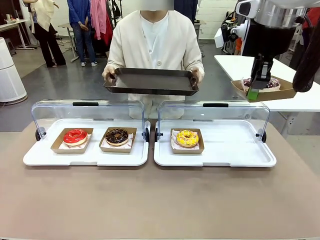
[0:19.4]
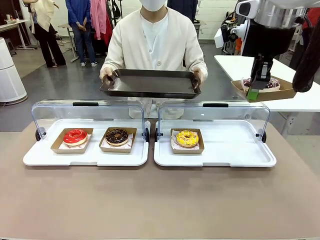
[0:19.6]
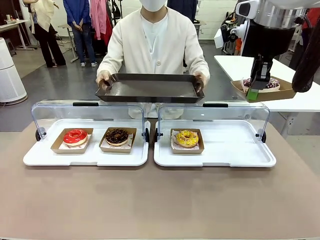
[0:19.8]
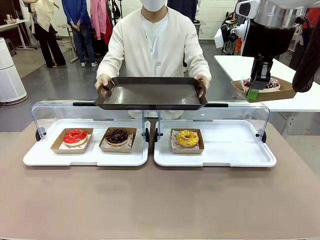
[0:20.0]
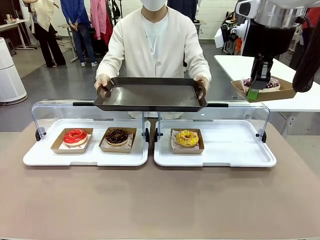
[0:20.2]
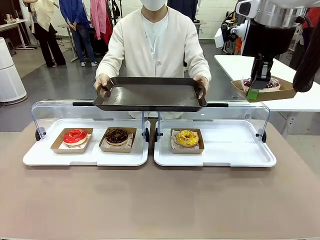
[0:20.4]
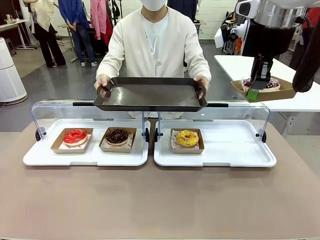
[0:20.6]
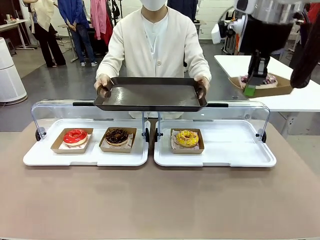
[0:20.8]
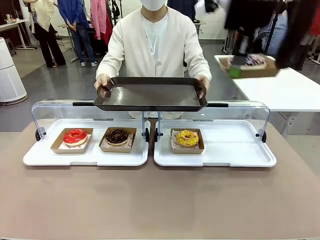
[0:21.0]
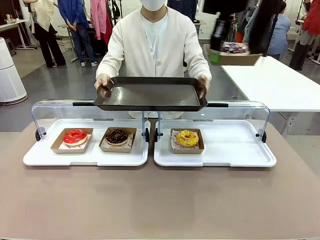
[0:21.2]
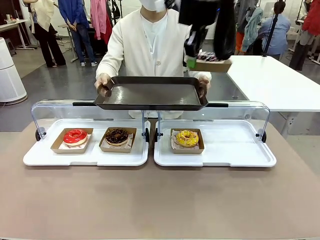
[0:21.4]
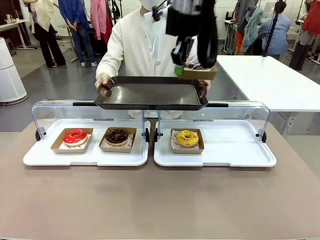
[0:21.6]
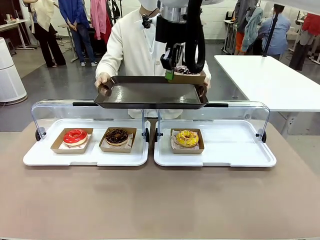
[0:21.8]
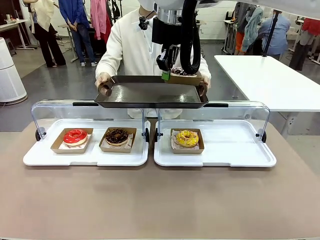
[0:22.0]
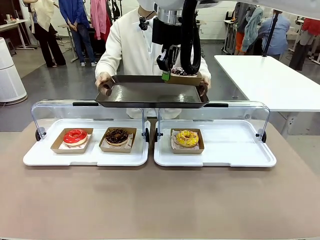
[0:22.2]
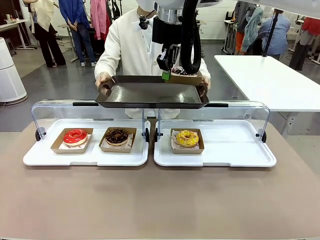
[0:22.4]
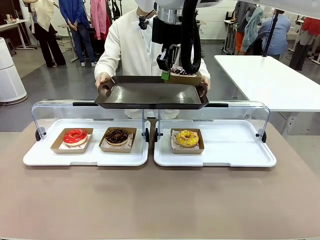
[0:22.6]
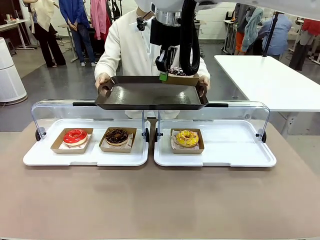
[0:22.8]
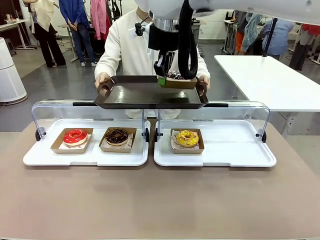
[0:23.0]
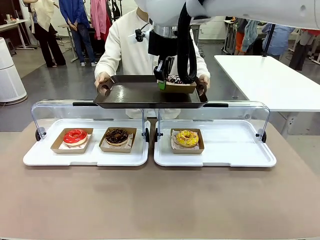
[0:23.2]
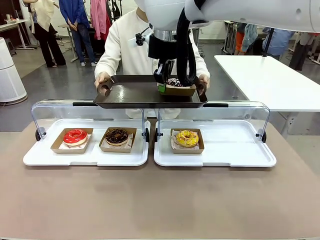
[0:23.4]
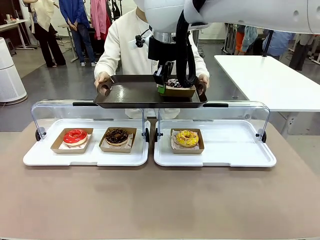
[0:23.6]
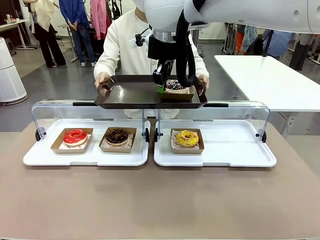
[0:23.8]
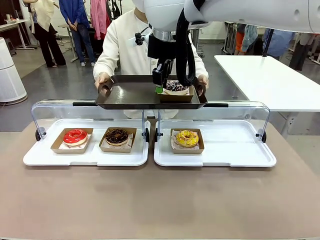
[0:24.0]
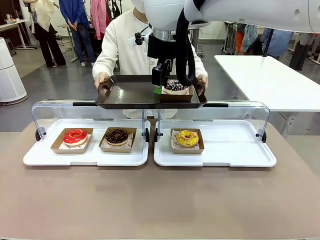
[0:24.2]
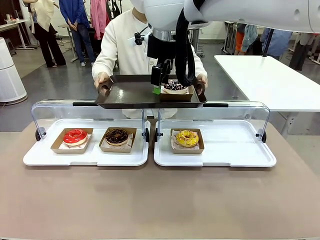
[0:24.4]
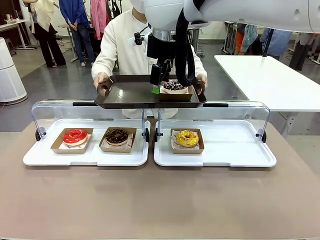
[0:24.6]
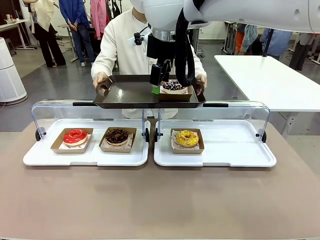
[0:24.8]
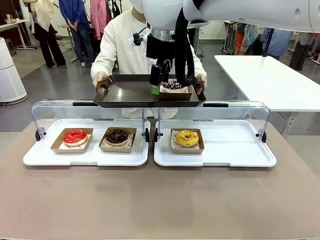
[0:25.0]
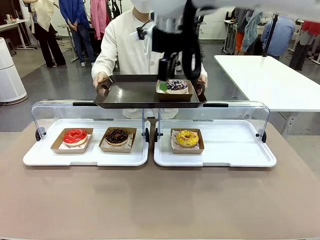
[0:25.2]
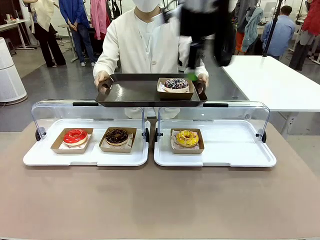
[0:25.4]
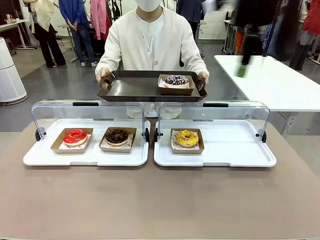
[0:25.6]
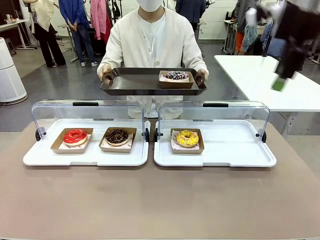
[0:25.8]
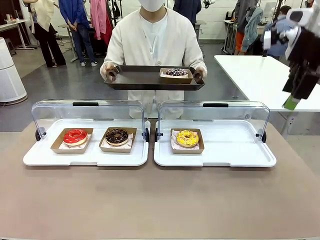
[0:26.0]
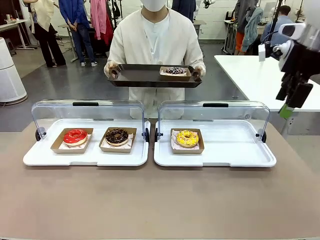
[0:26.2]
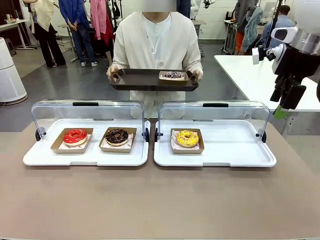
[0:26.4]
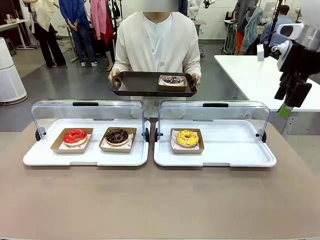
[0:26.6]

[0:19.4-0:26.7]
Task: Provide the desired donut to the person.
Robot: Place the picked Paper togo box onto the Handle tray extended by the person.

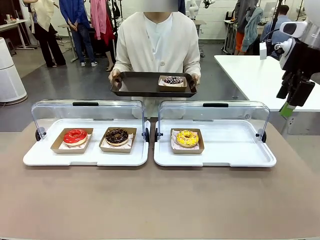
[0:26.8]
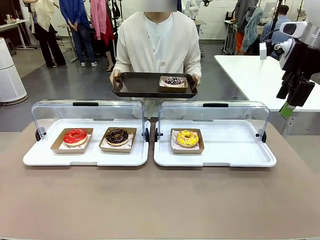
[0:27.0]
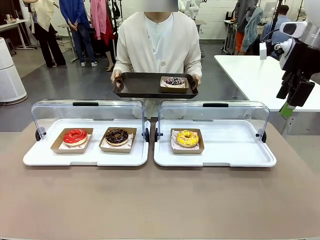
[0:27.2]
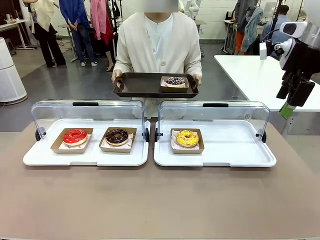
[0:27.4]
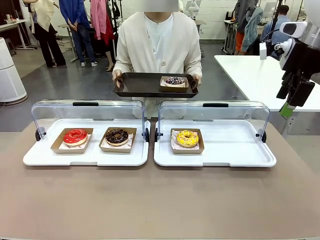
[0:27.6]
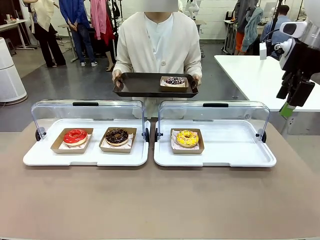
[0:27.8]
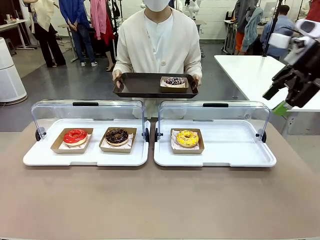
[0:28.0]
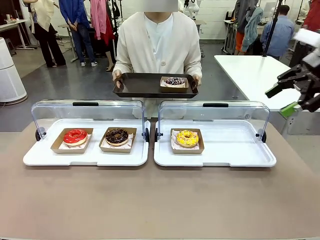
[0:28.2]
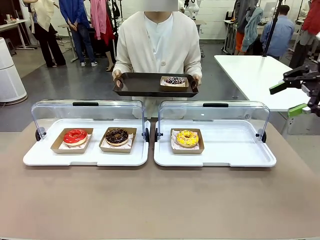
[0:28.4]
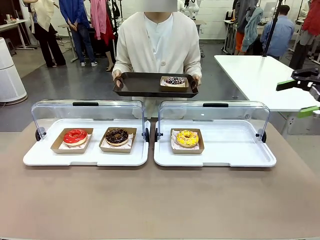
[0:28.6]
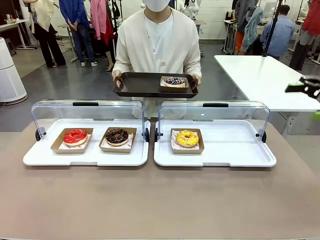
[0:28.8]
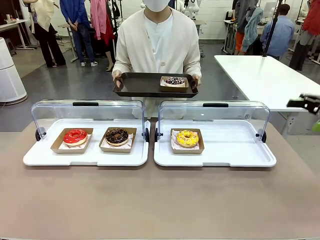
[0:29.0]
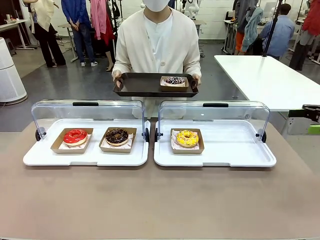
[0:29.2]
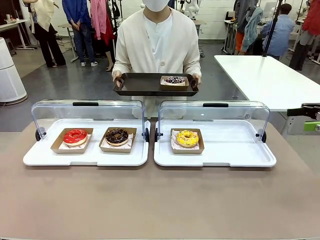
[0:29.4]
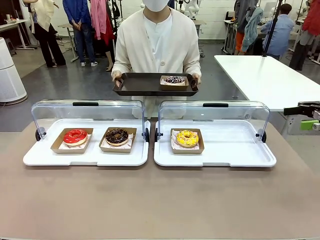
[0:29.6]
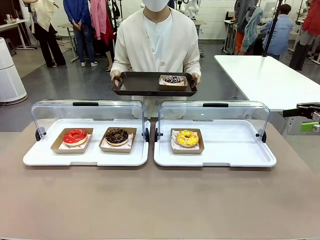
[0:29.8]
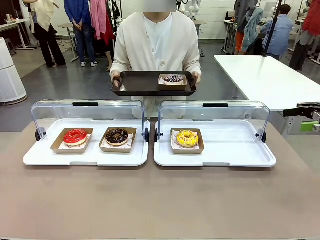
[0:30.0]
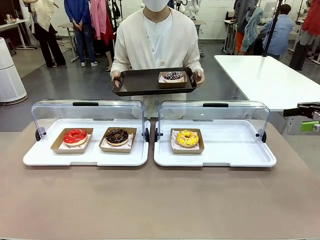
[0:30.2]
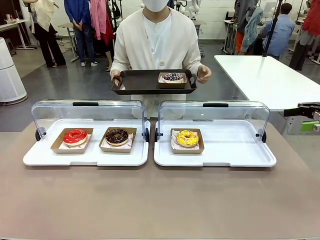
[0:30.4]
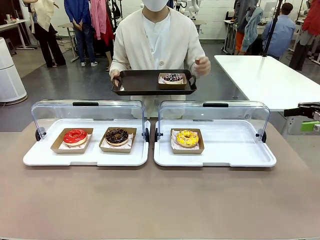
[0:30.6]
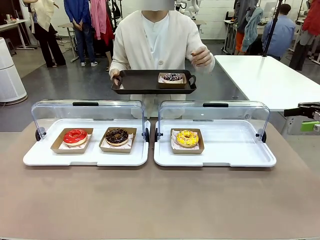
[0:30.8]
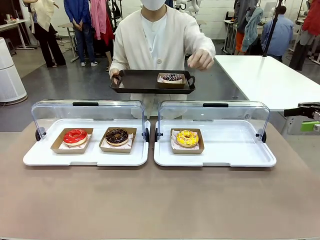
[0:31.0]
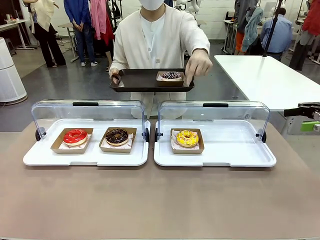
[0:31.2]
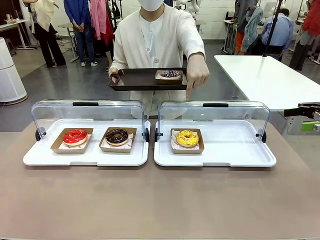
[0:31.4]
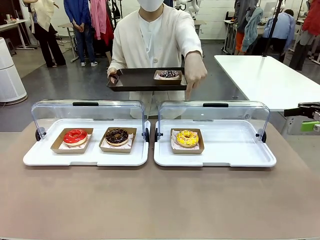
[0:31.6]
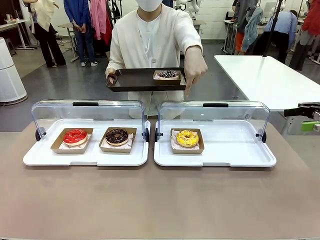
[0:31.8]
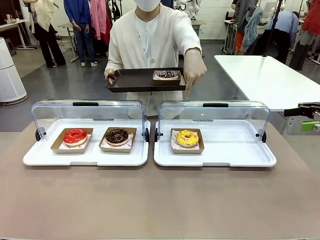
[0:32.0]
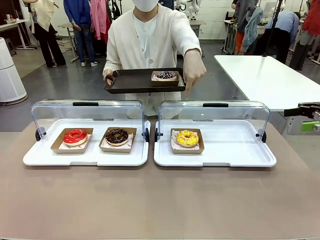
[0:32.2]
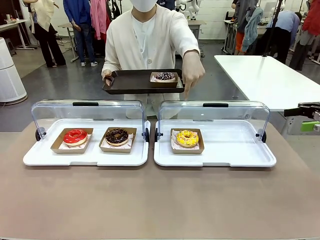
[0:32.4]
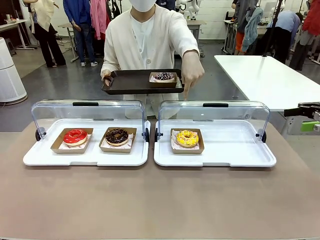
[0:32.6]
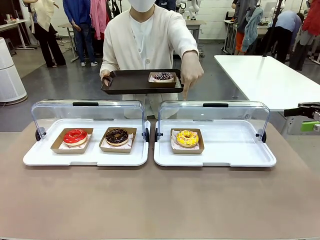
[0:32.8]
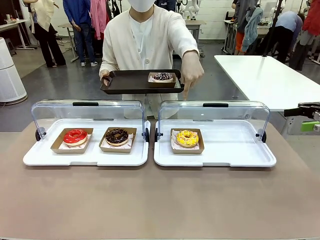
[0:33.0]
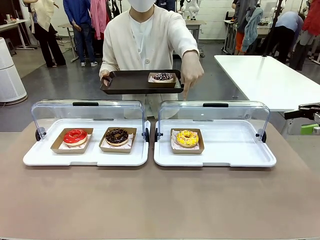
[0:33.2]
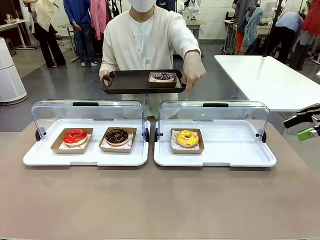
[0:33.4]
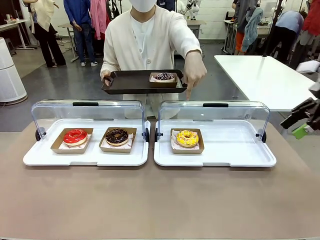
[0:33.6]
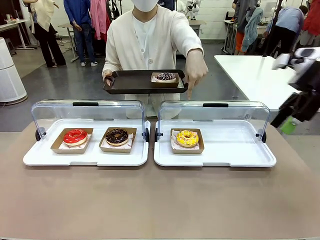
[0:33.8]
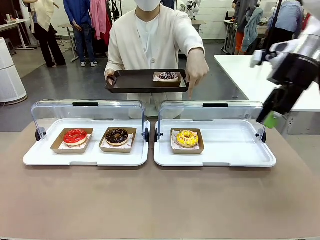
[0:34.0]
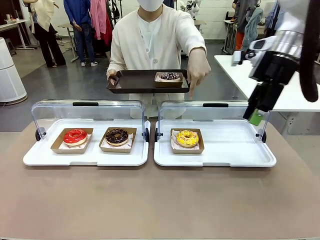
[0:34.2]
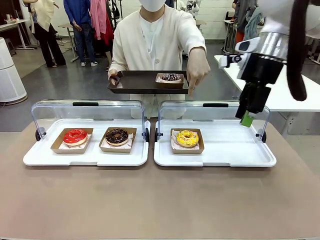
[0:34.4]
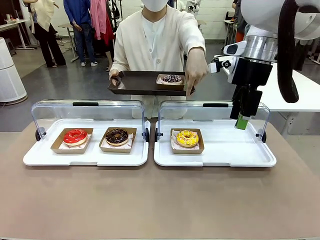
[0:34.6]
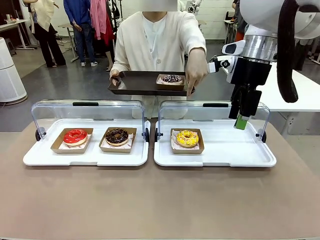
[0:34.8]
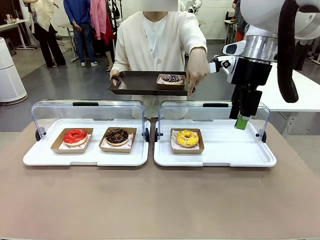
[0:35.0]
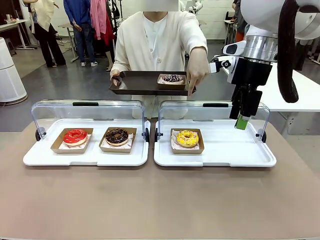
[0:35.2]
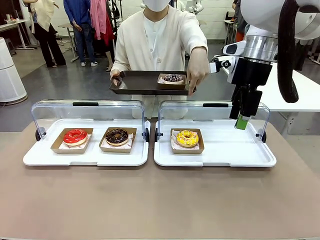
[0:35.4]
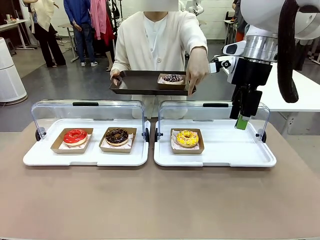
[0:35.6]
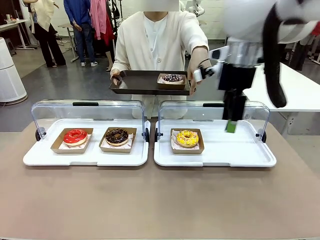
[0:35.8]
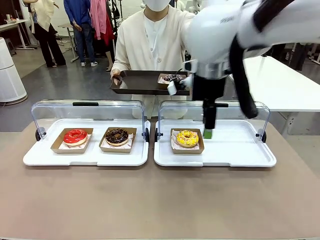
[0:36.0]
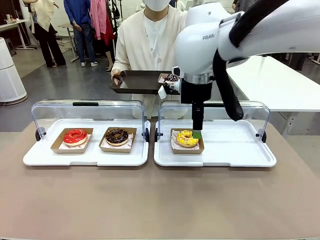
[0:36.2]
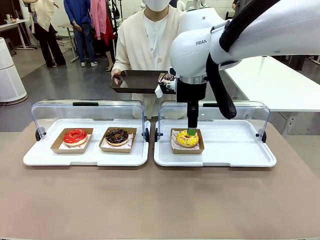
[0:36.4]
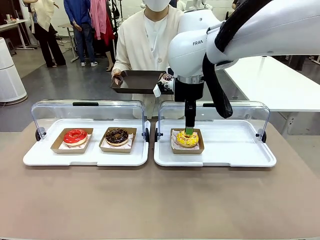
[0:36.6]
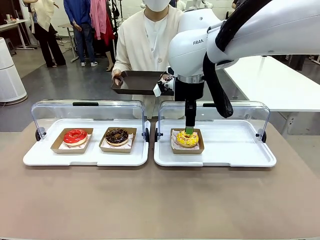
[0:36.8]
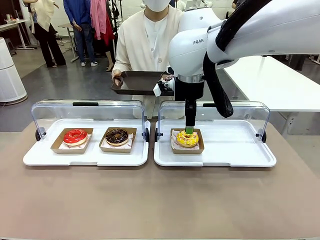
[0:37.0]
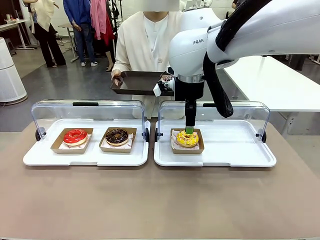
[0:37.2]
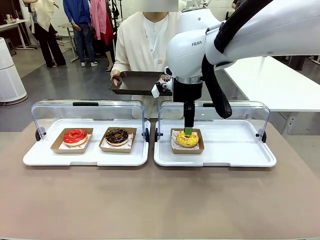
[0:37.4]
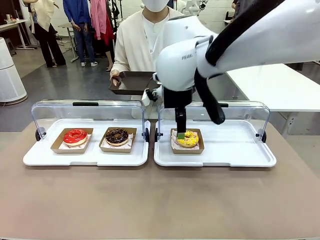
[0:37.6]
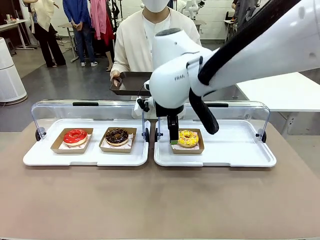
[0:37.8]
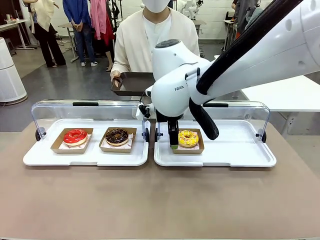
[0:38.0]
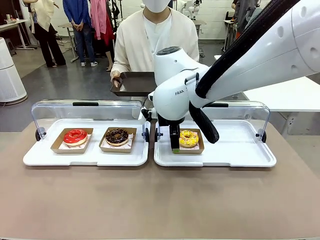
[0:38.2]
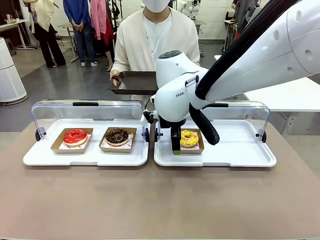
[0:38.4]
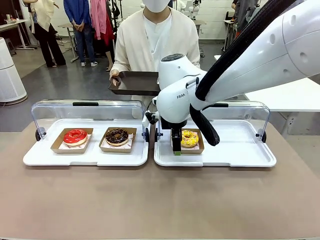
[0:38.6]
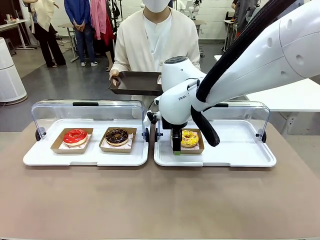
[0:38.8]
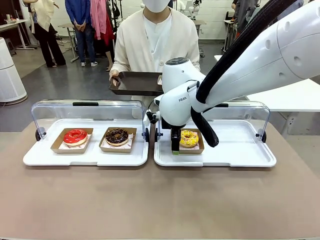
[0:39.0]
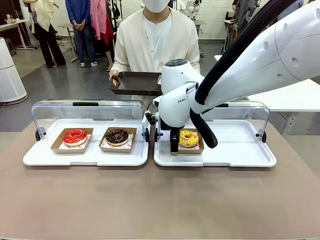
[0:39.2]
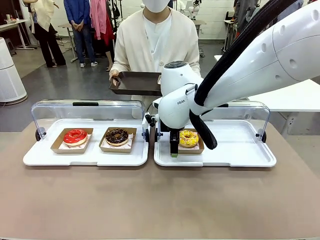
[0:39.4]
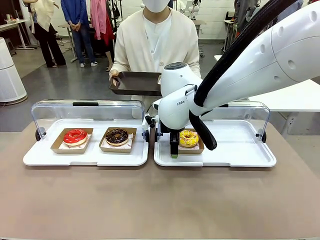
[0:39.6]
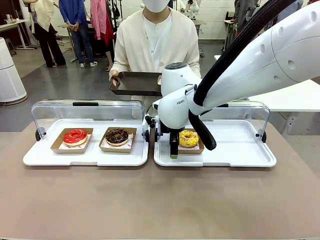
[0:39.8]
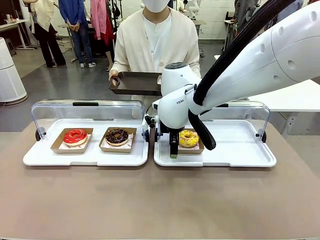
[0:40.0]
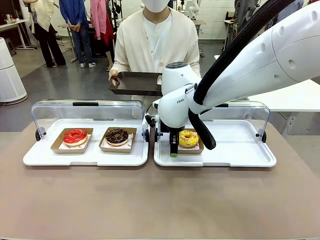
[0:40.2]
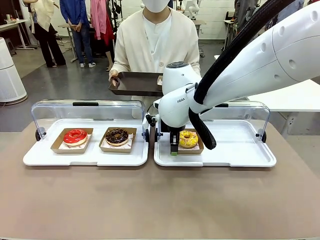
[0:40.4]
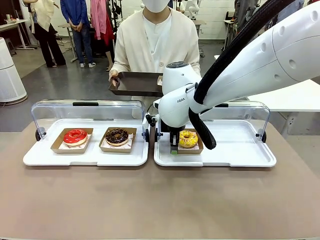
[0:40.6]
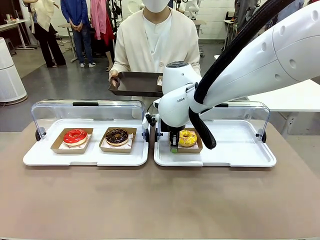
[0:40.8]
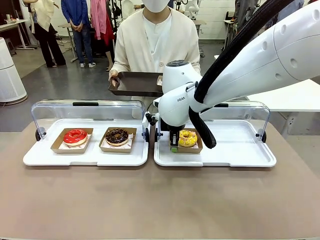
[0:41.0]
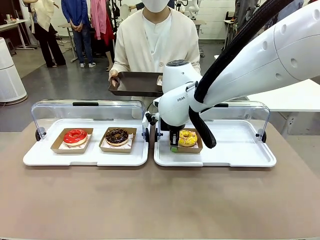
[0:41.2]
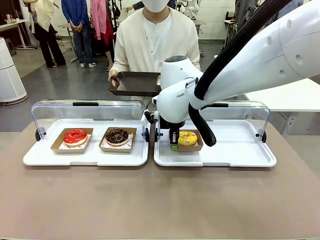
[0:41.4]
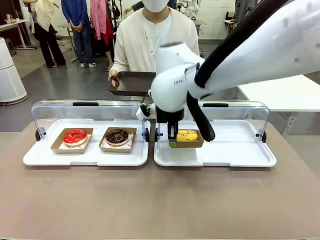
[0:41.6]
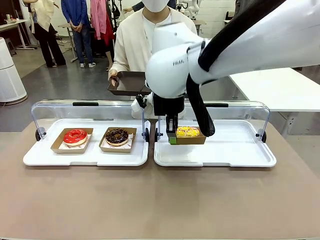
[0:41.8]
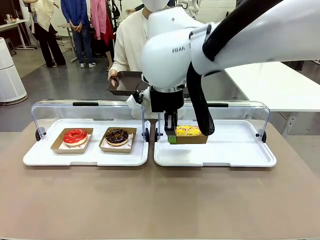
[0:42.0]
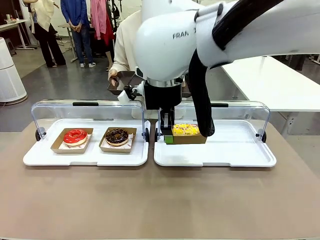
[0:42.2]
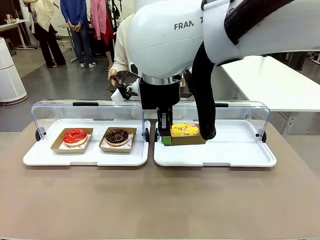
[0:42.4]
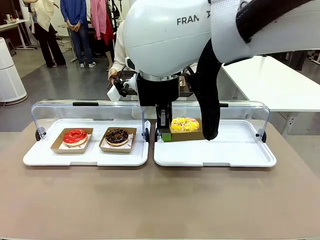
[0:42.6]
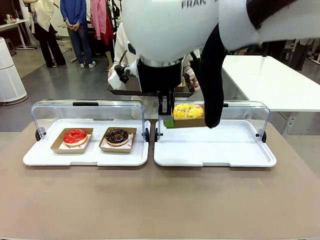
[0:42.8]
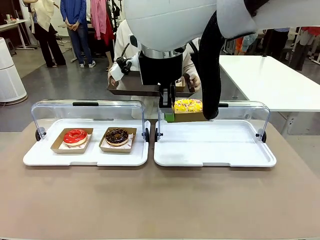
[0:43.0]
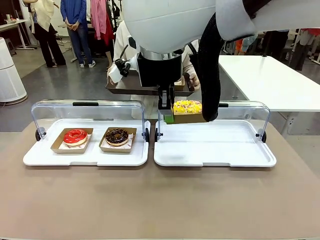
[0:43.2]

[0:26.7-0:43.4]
Robot: Pick up and lift the Paper togo box containing the Donut pointed at by the person.
Person: Point to one donut. Lift the tray onto the Roll-Top Bakery Case.
